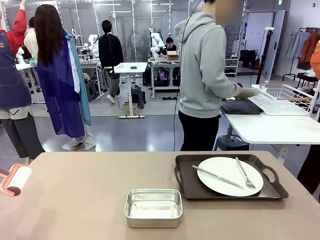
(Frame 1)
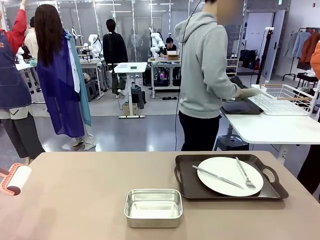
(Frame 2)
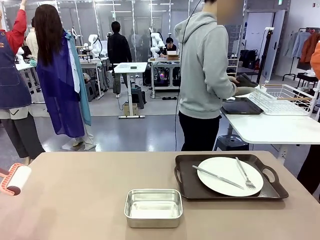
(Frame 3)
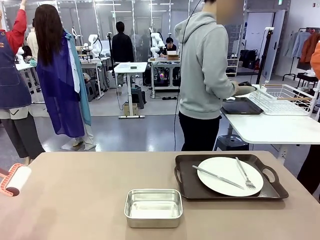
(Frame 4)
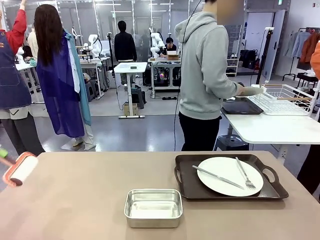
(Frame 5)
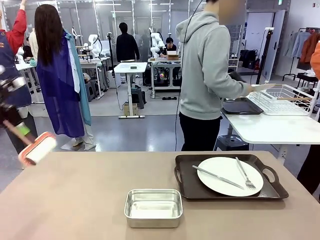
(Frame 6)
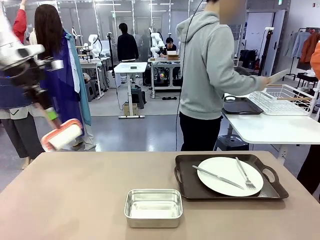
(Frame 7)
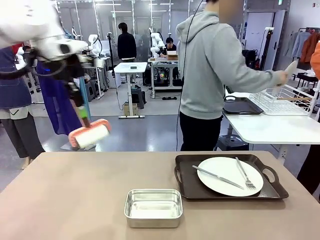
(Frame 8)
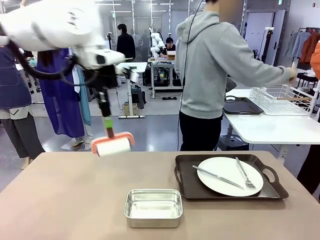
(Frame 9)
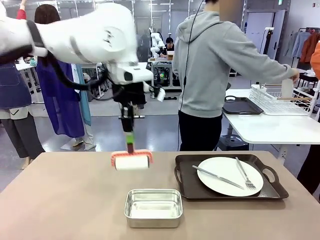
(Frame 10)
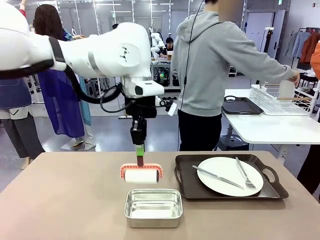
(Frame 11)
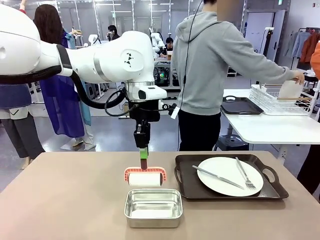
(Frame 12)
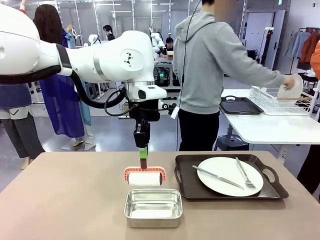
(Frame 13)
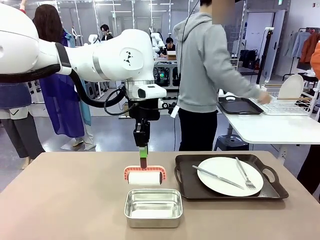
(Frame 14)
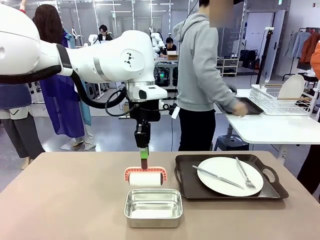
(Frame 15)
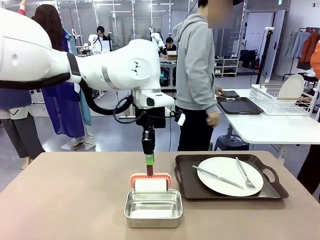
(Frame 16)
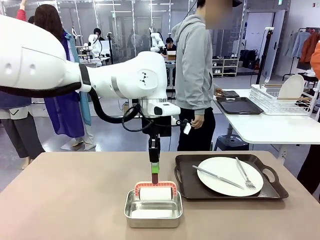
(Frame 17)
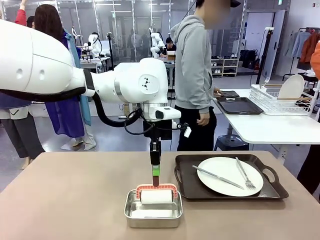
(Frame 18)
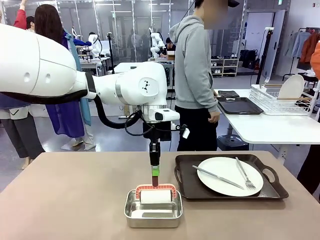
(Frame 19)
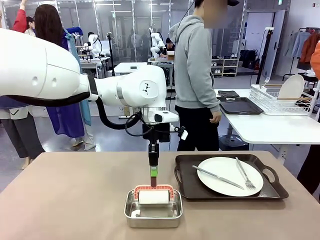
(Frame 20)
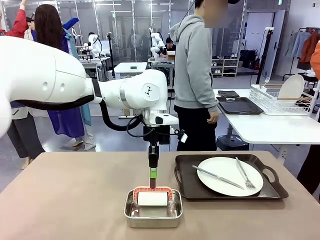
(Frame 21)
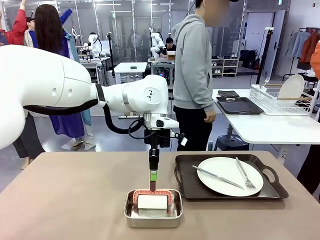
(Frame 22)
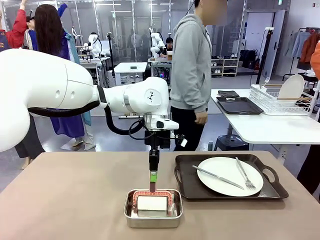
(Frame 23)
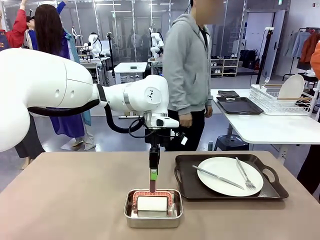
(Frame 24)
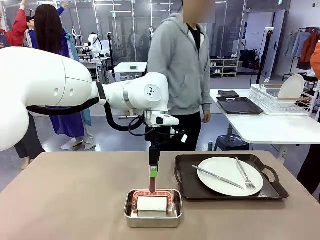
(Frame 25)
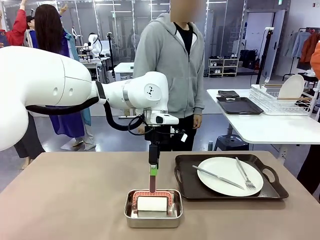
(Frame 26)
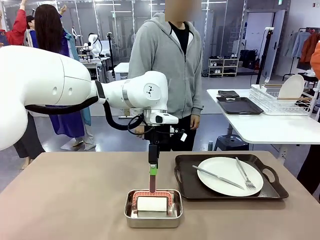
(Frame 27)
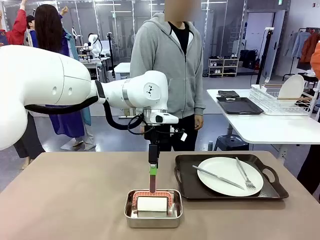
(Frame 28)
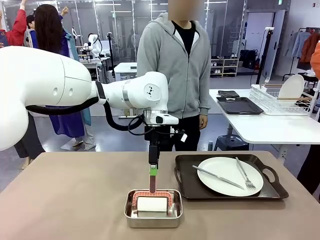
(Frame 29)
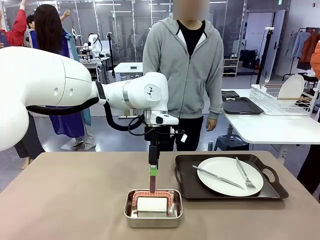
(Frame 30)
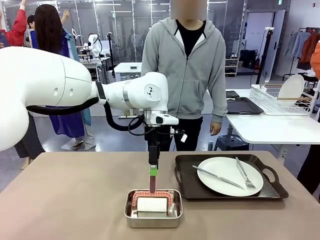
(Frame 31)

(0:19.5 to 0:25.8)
Robot: Place the Lint Roller back on top of the Airtight Container.

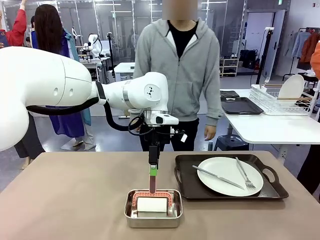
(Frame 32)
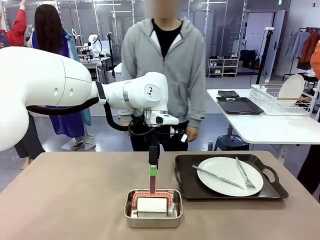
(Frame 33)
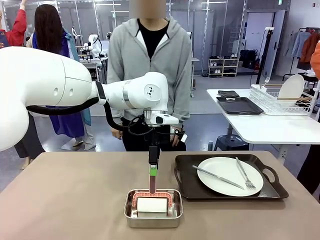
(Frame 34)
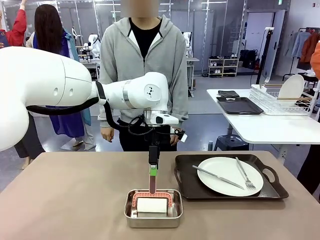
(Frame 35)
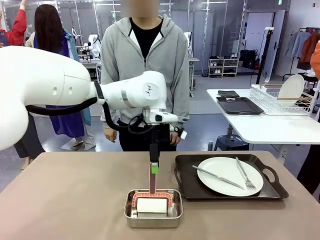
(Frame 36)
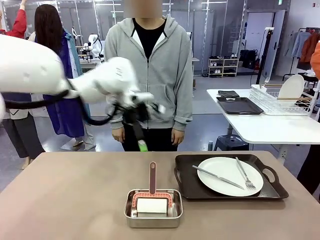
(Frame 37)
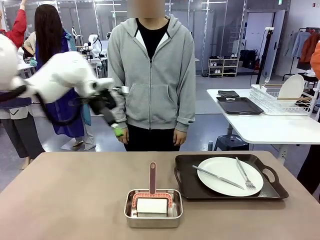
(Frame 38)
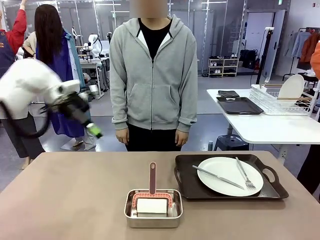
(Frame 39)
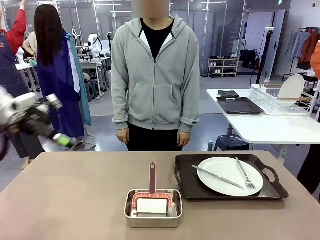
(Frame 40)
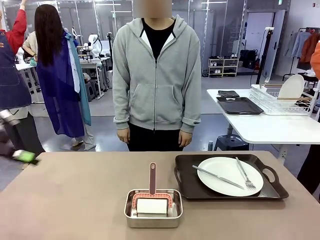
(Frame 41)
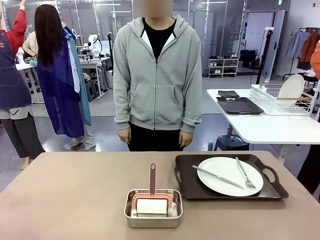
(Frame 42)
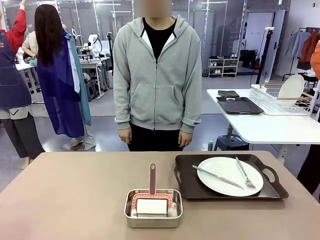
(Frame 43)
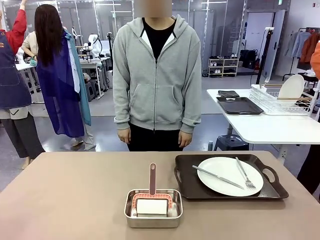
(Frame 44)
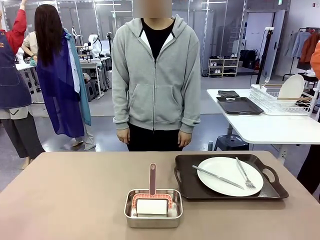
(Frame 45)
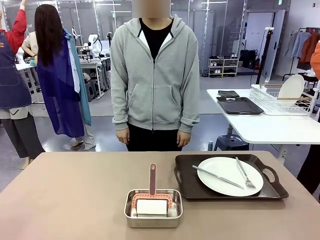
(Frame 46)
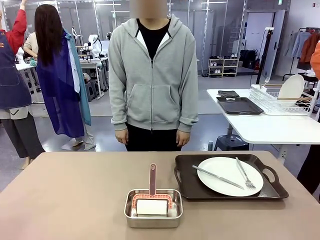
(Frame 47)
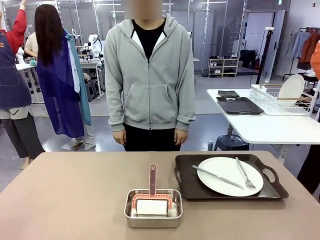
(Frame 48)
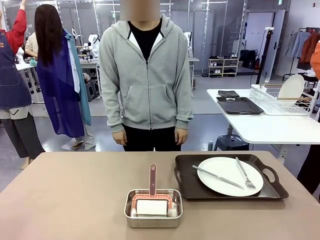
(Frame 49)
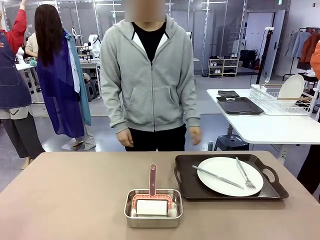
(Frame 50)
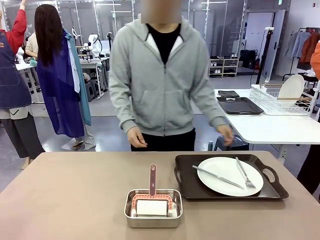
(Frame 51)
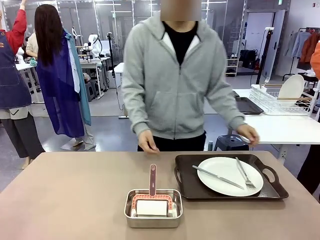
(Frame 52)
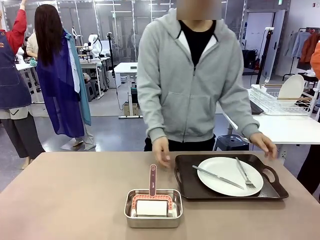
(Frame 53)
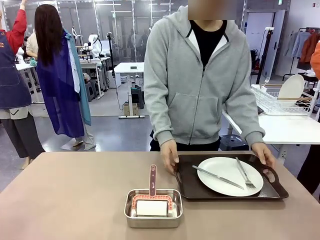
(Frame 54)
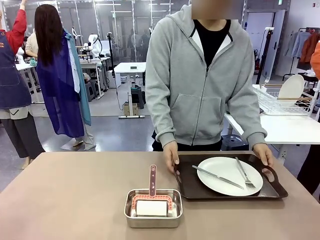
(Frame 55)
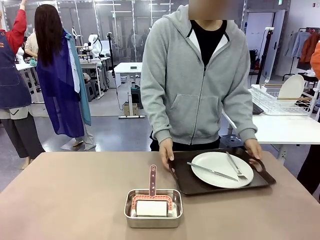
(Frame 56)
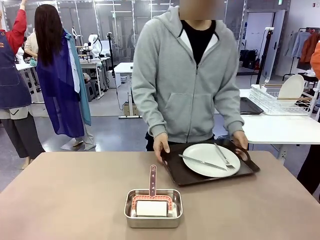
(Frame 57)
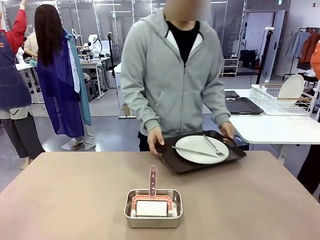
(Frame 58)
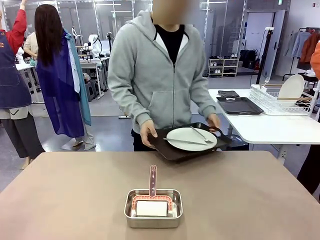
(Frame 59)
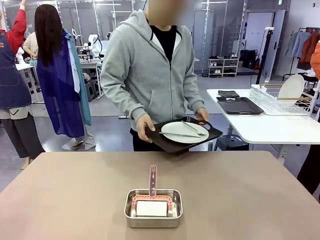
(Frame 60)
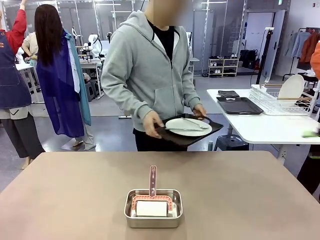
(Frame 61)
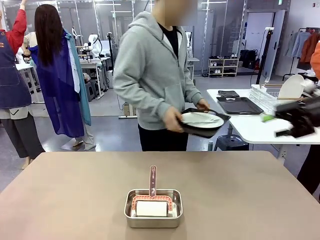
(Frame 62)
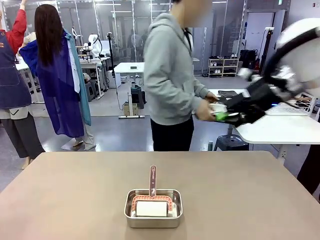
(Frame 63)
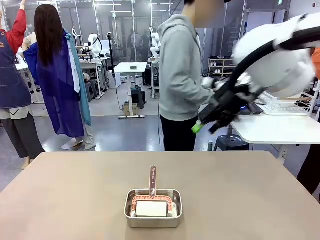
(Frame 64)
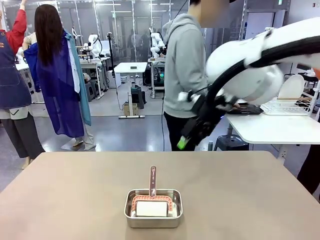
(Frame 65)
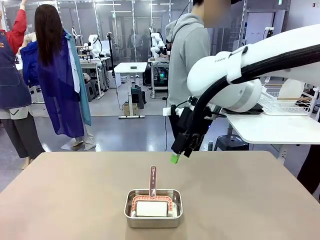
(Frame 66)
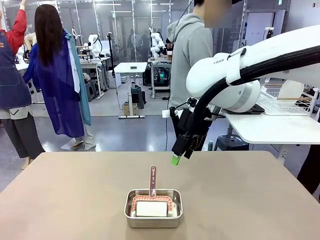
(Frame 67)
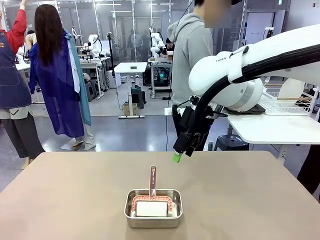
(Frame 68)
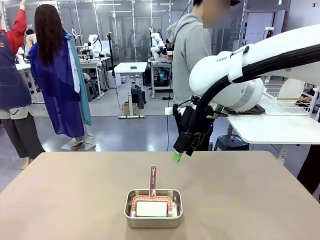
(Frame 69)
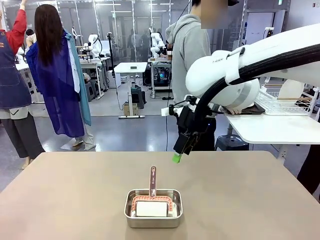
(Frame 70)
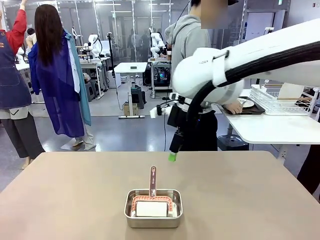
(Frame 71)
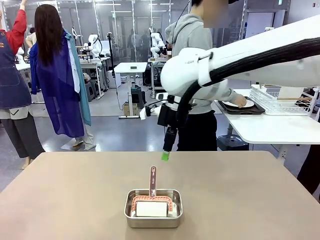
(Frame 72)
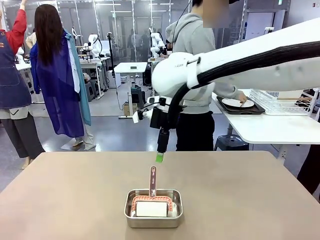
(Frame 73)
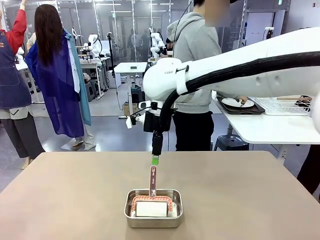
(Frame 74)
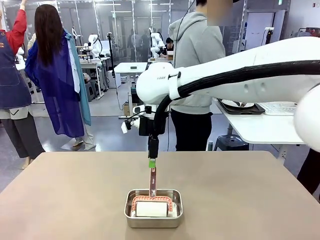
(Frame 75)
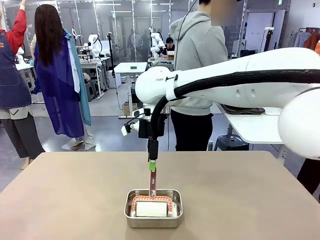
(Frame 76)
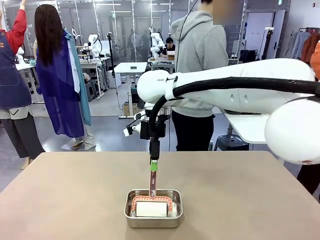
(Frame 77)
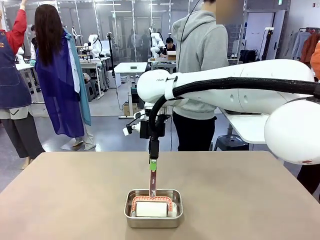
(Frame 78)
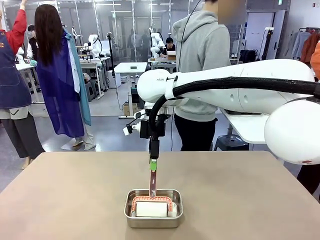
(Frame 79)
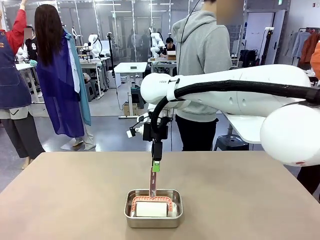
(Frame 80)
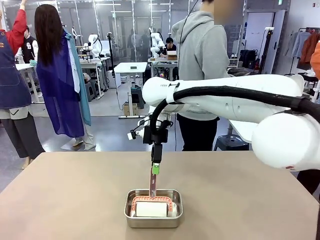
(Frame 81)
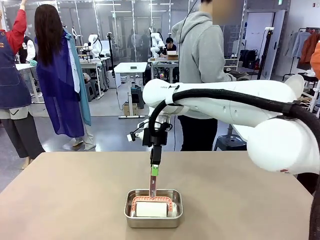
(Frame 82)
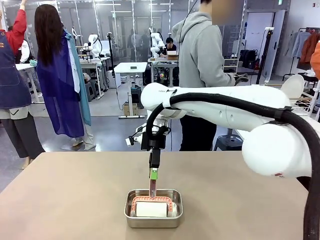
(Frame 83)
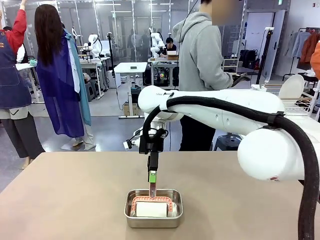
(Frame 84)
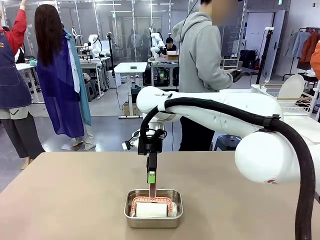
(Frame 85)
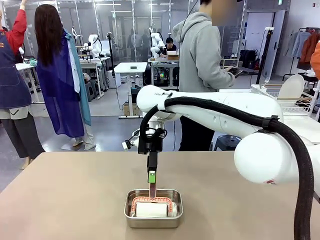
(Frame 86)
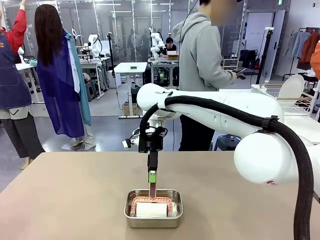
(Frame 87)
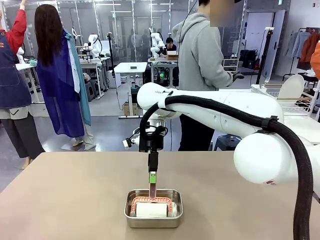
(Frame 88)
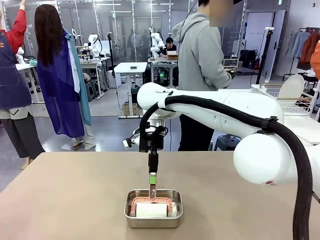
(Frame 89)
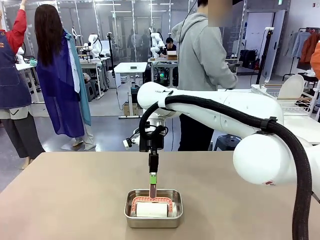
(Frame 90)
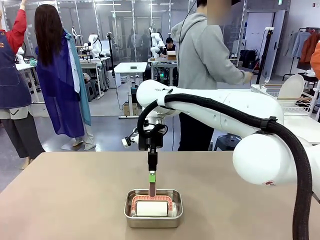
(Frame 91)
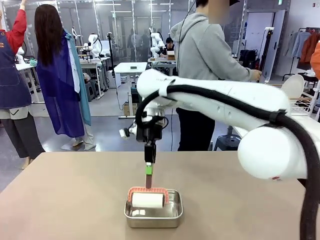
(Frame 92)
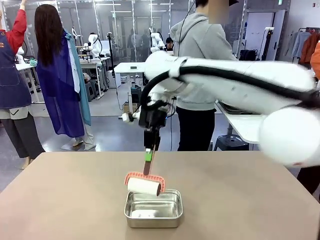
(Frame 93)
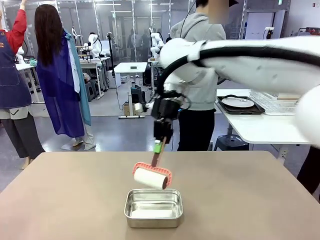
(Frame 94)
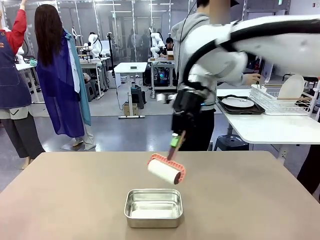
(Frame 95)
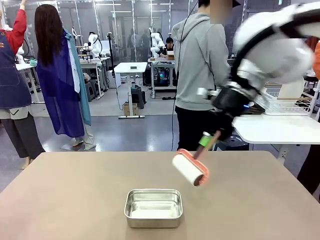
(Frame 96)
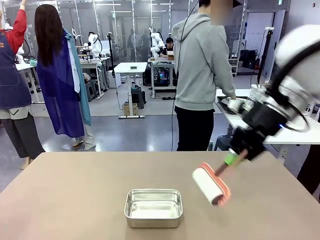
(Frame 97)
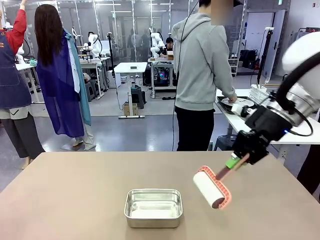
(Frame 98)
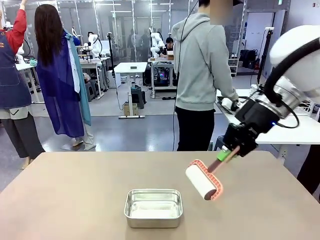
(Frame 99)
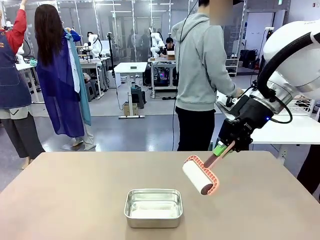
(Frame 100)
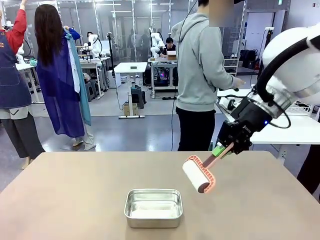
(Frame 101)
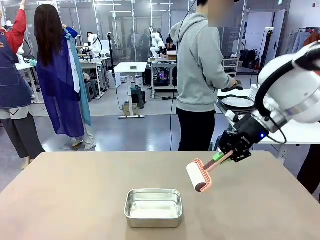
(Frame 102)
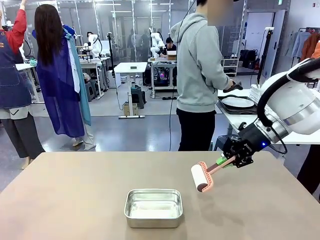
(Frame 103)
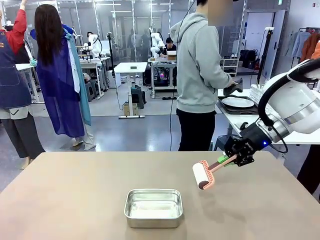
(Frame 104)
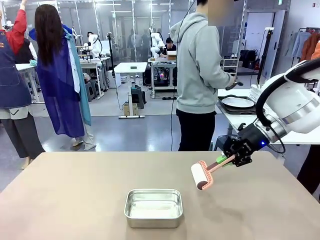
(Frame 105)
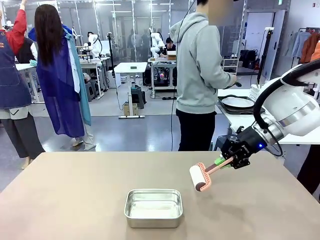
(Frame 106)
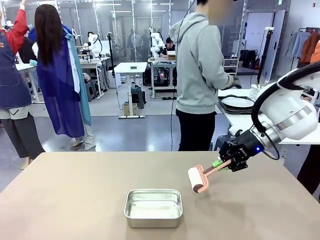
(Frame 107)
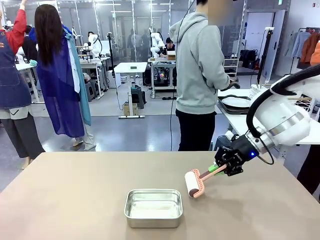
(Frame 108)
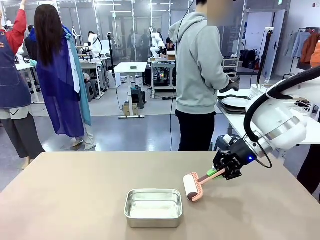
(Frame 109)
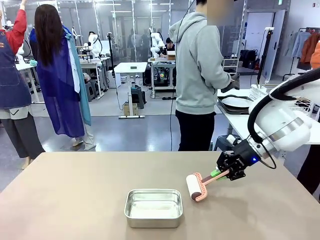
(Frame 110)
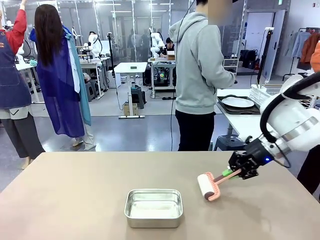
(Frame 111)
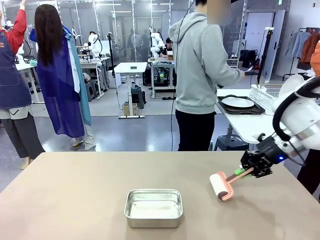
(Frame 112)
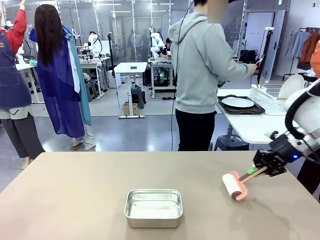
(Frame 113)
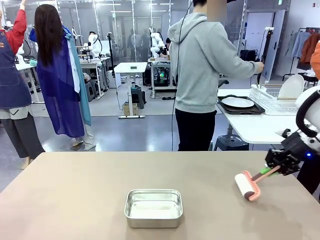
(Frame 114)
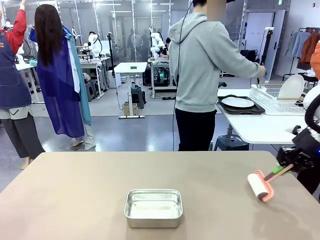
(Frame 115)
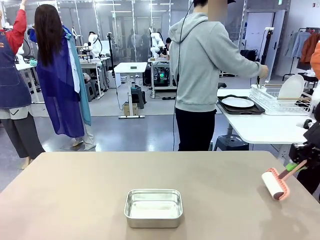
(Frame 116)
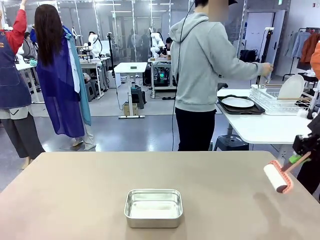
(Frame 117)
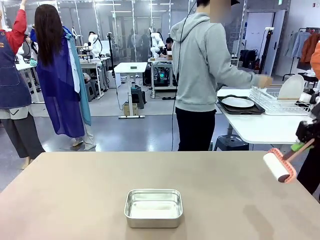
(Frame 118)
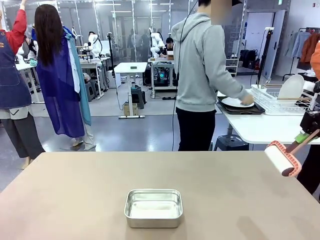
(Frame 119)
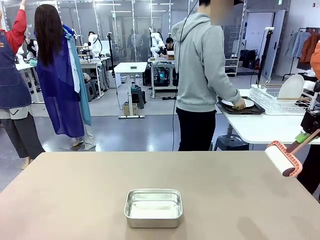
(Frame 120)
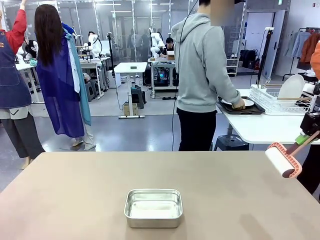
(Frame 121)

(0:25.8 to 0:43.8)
Robot: When the right (or left) Handle tray is removed, use the right hand (or left hand) to clean the right (or left) side of the table with the Lint Roller.
Person: Pick up the left (or right) Handle tray and place it on the Handle tray.
